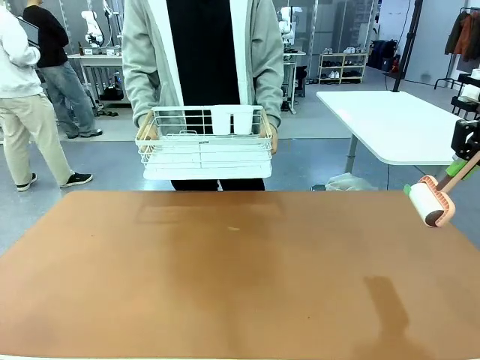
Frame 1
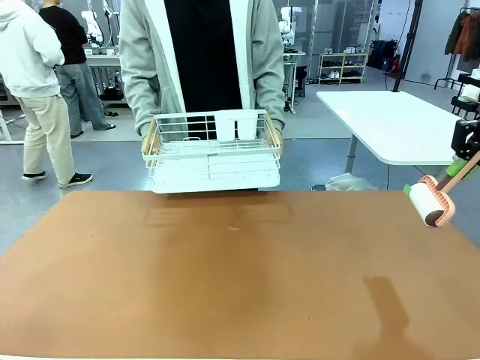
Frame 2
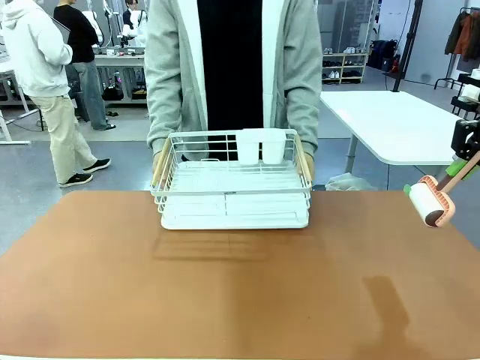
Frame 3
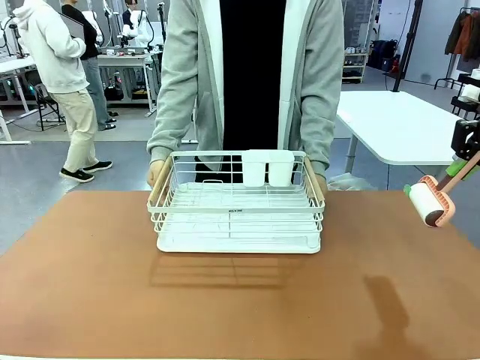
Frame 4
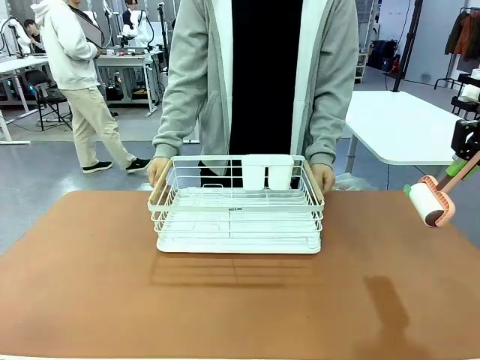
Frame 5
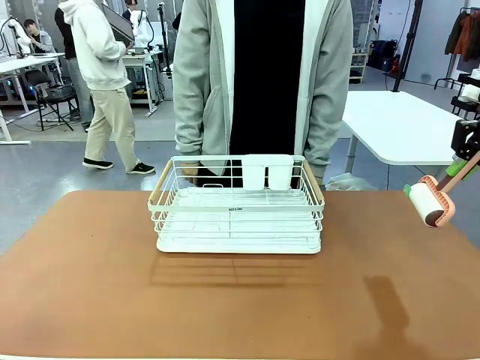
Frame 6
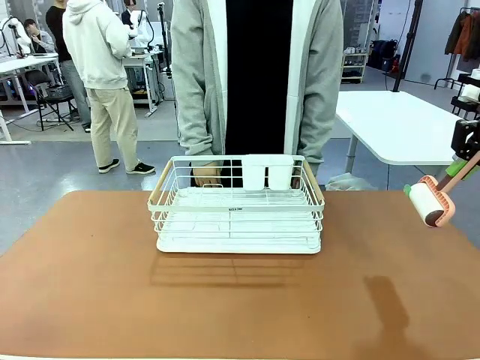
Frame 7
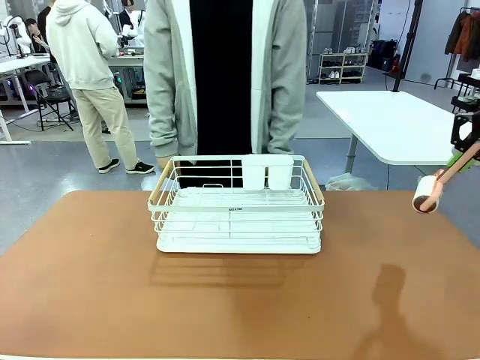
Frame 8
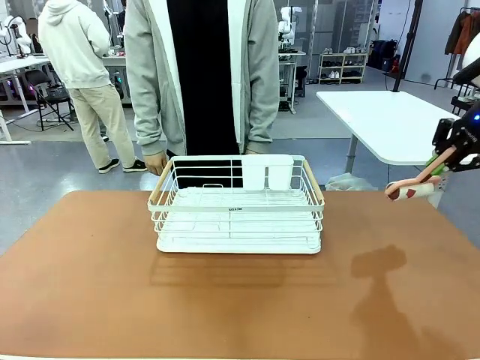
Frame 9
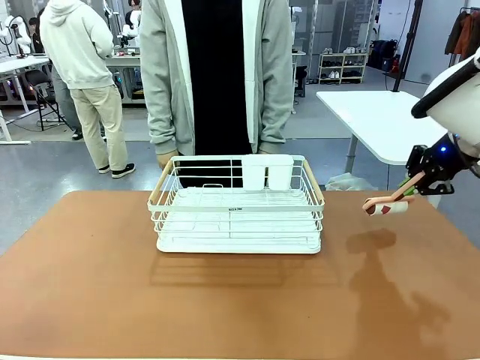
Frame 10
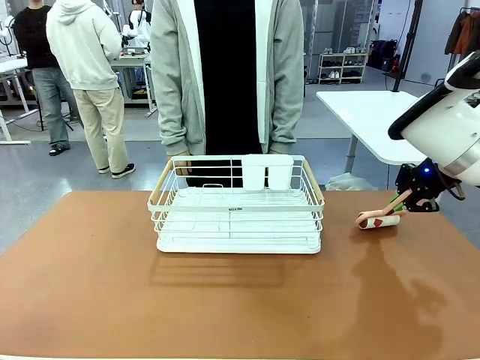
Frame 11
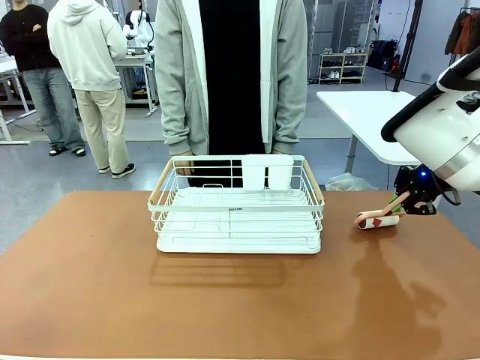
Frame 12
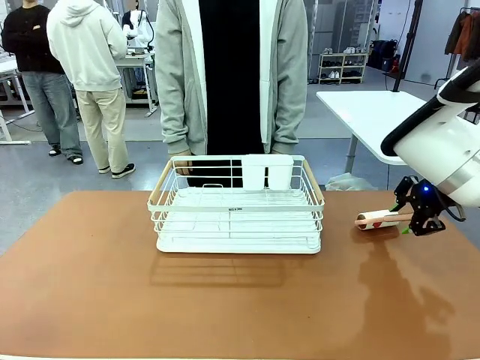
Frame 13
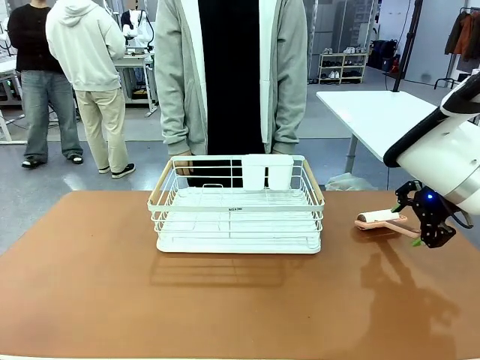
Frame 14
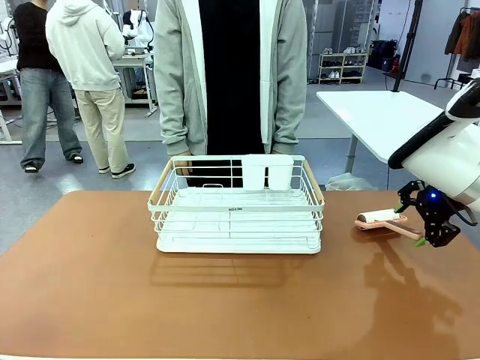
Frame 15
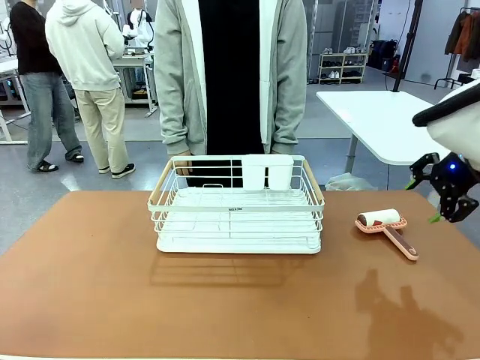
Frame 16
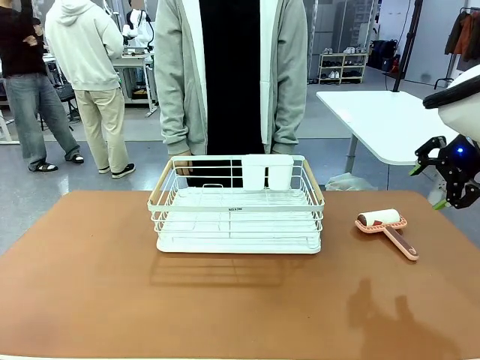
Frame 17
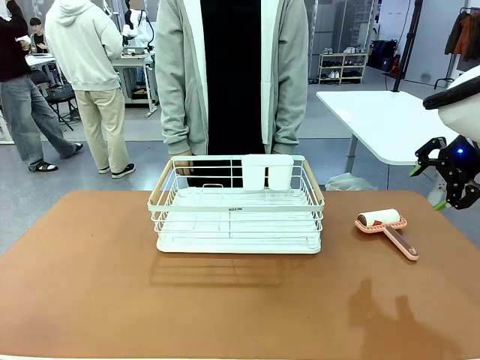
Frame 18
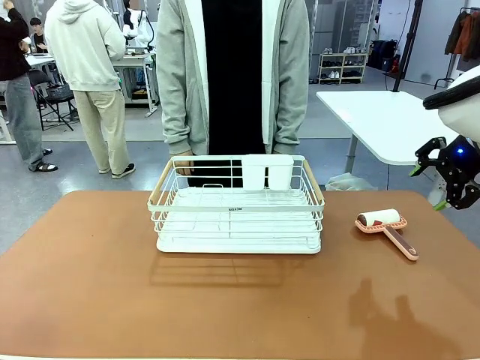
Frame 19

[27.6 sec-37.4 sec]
Task: Clean the table.
Robot: Place the Lint Roller down when the Dish drying rack is positioned in the middle of the table.

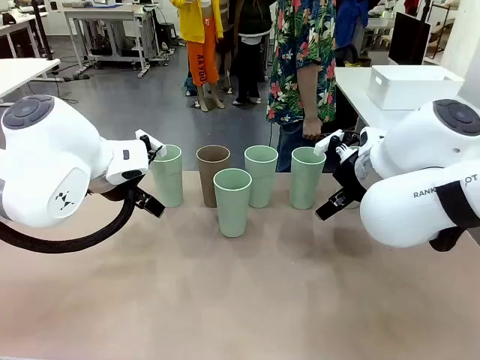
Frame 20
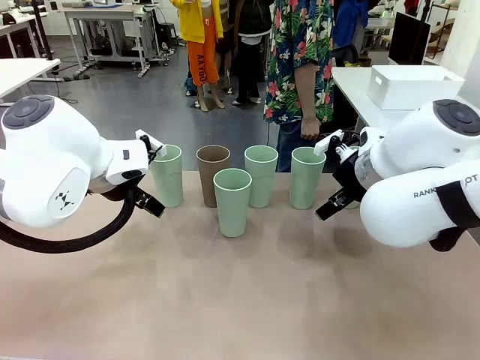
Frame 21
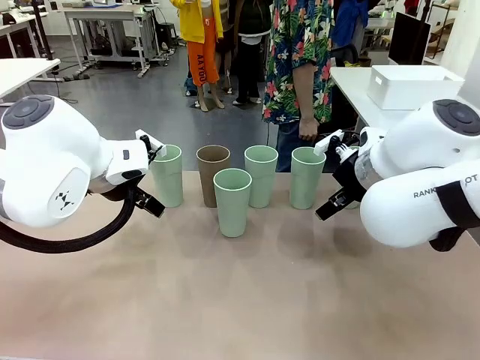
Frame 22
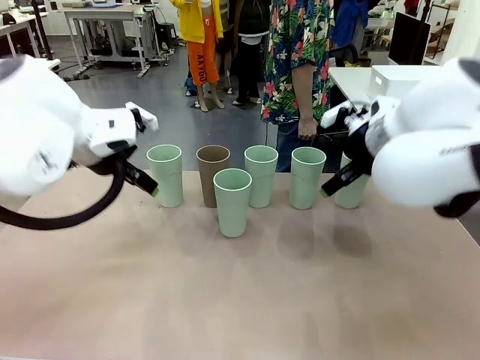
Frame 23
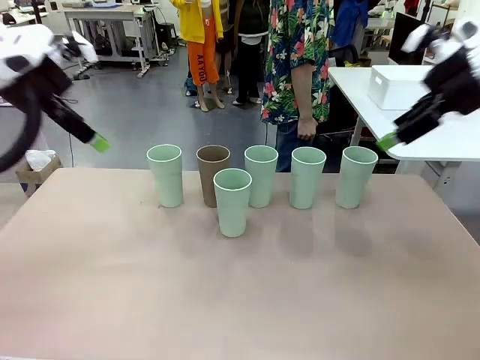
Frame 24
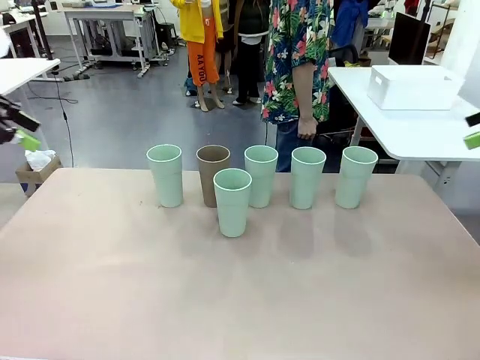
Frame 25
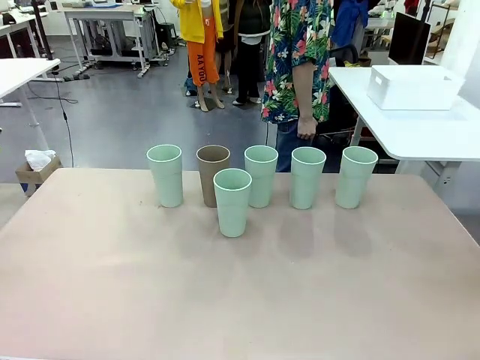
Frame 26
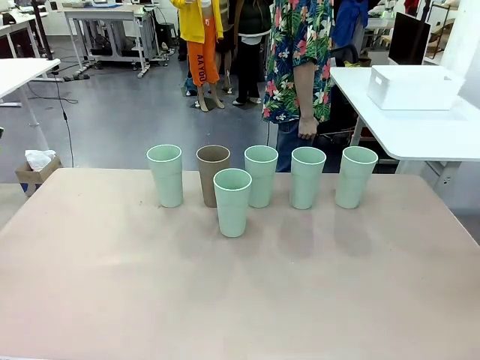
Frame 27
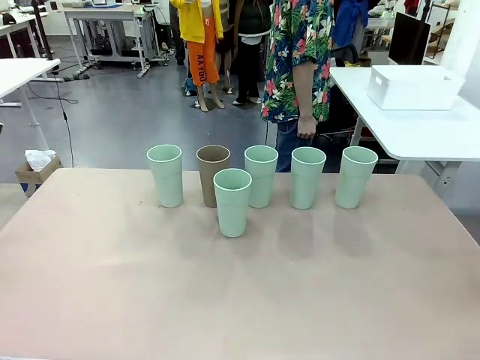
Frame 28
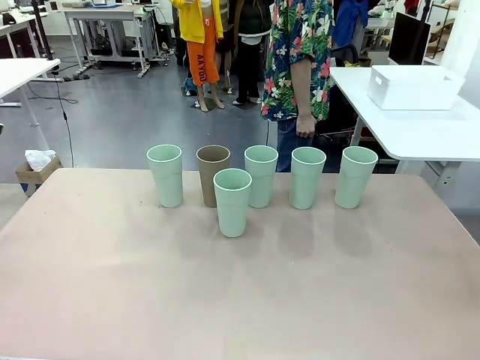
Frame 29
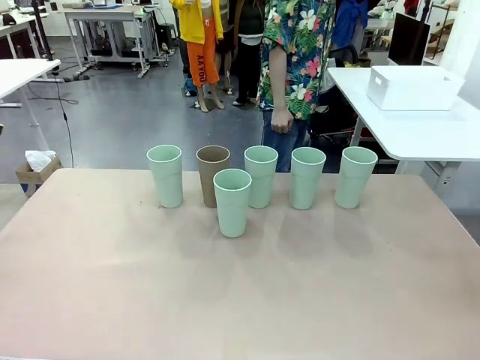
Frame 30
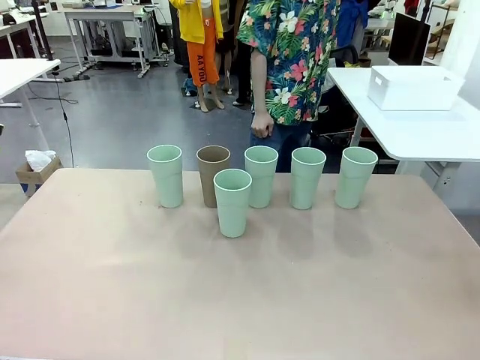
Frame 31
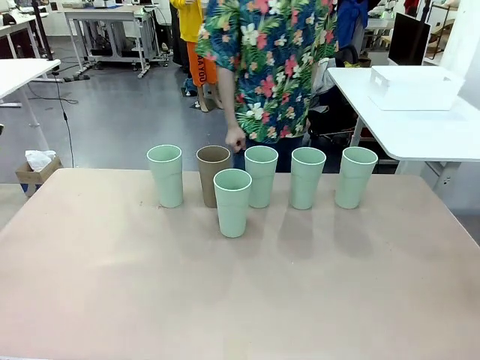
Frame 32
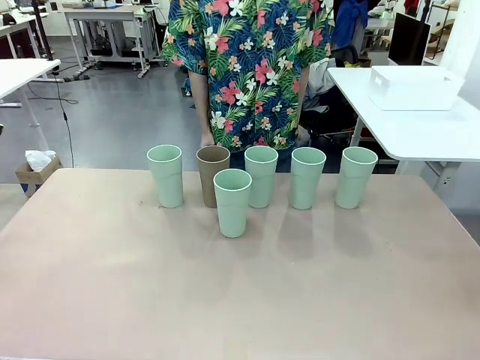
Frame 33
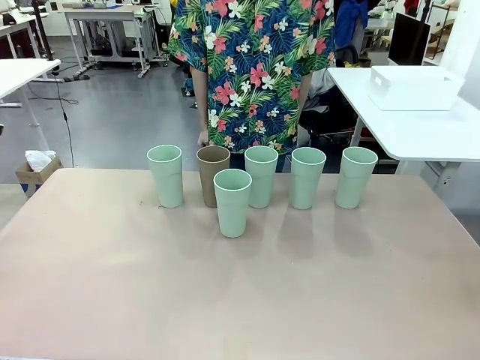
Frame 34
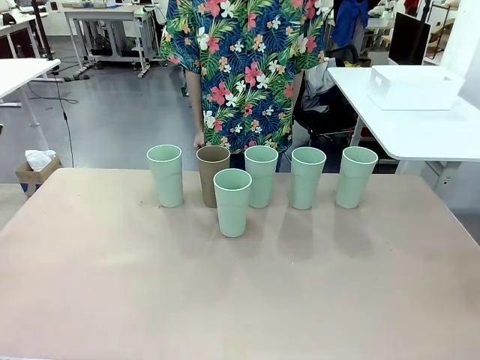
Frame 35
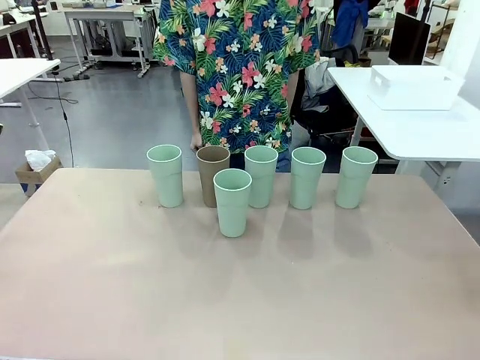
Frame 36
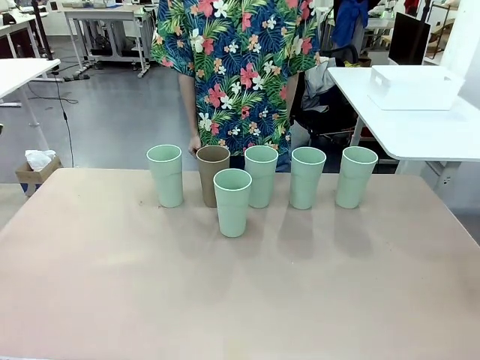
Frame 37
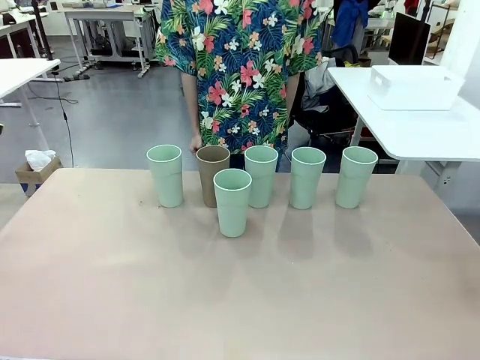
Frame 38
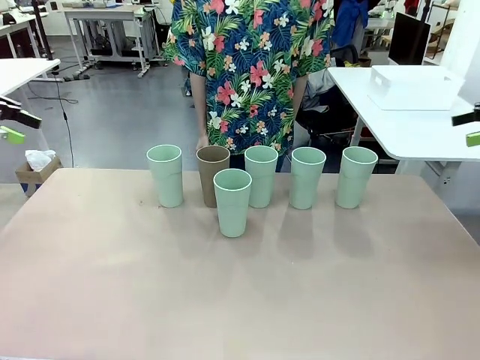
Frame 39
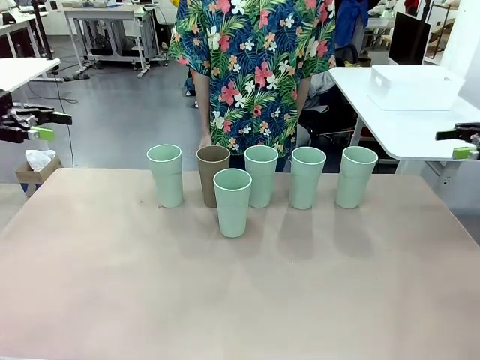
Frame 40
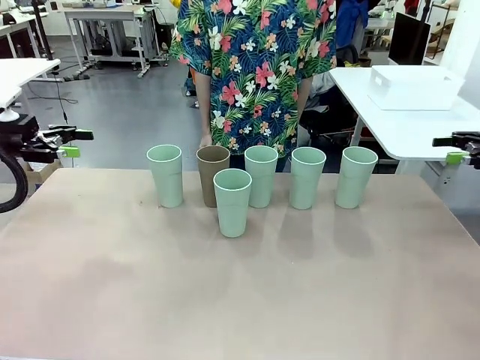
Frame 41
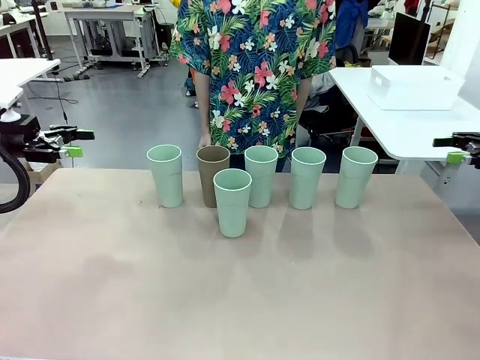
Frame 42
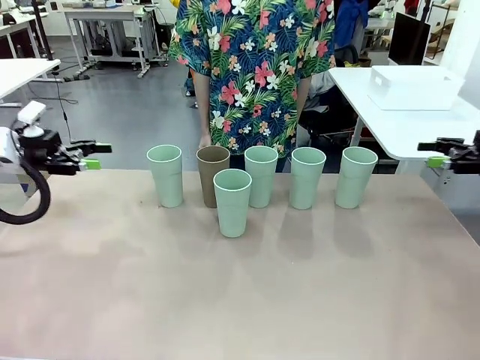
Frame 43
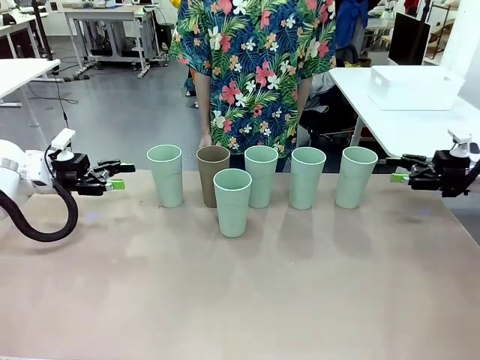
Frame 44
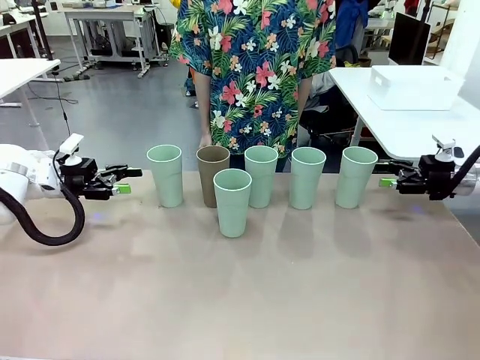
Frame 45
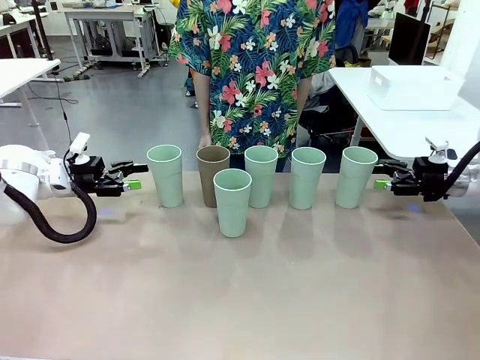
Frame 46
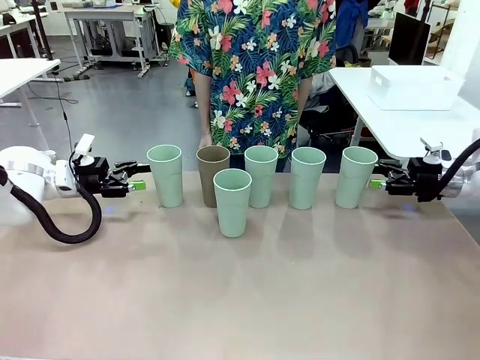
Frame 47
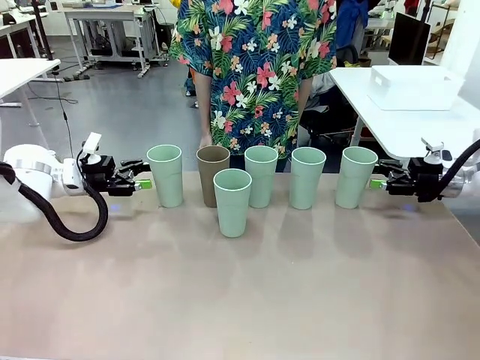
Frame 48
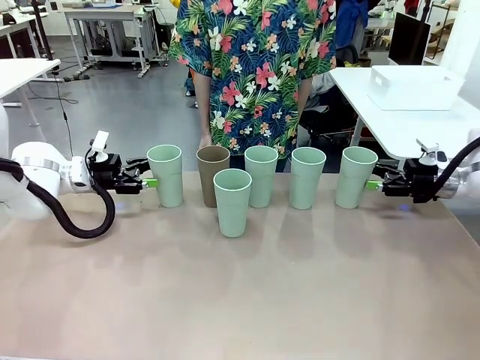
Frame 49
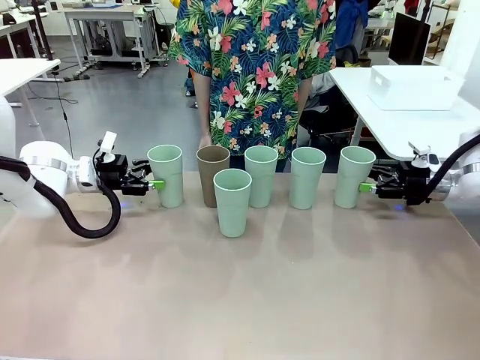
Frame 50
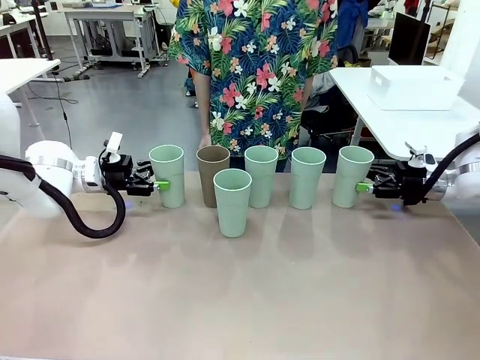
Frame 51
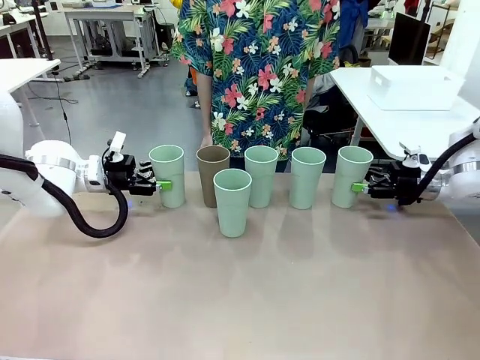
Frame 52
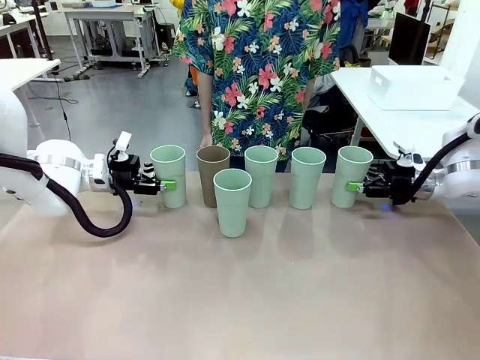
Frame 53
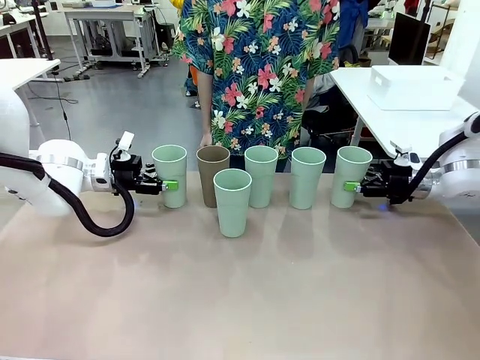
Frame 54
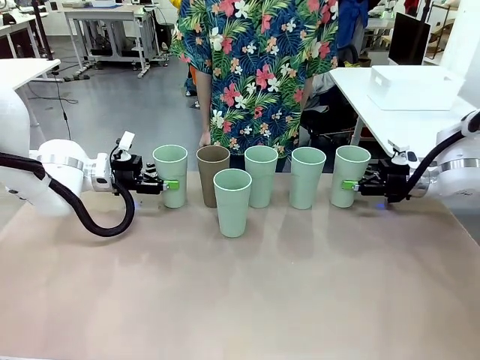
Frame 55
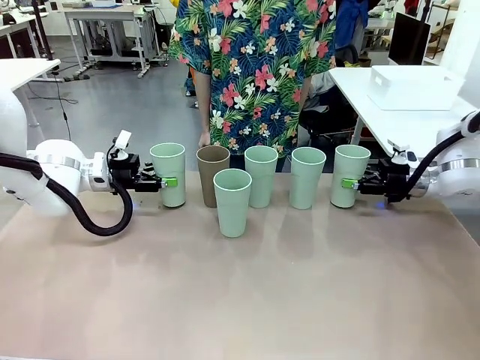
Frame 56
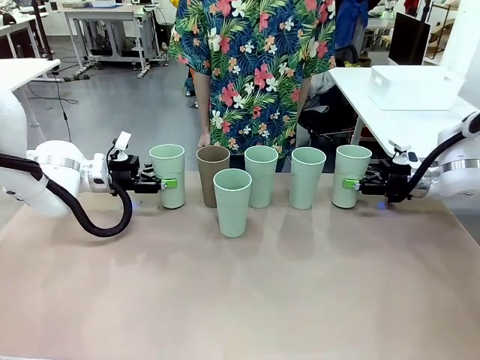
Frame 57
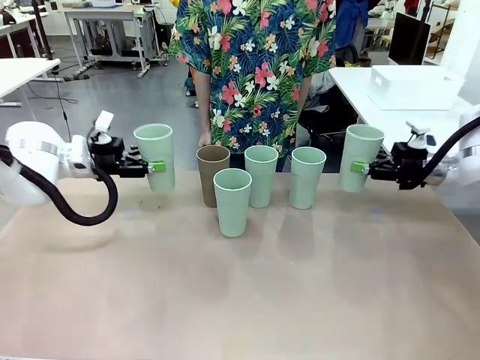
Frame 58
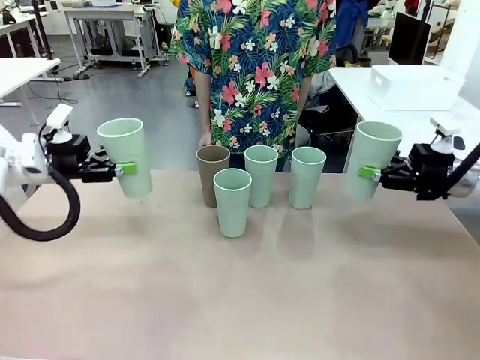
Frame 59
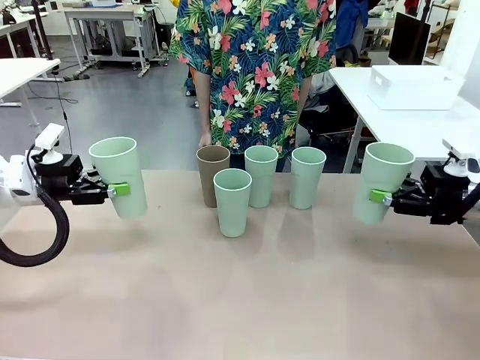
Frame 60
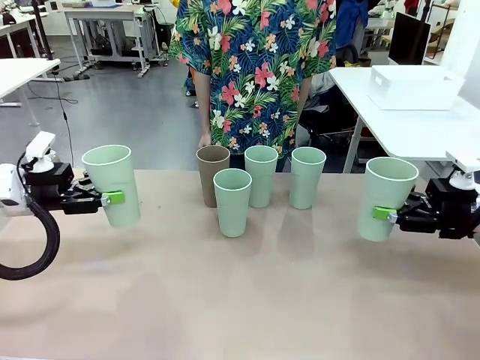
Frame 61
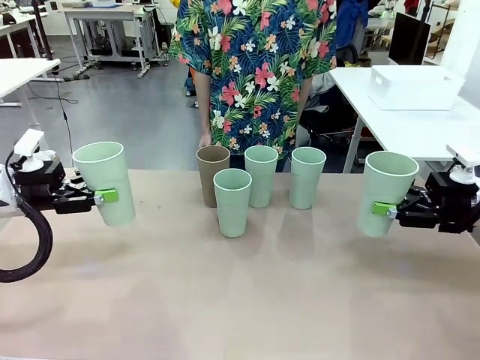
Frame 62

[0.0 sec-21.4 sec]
Task: Stack the cups and store them in the basket.
Robot: Pick up two Reusable plastic cups , one in each hand.
Person: Move from the Human Table to the front of the Robot Table. Stack two of the remaining cups on top of each cup held by the robot.
